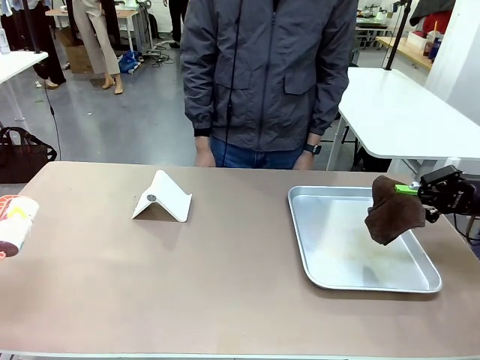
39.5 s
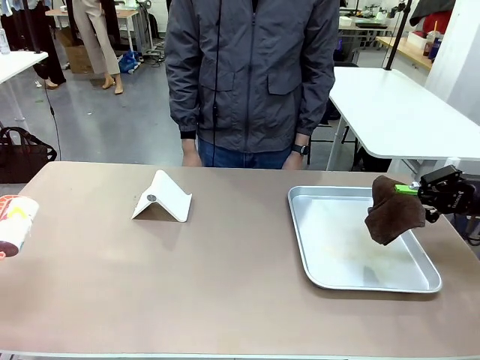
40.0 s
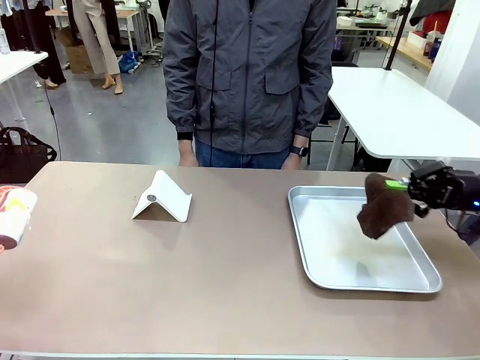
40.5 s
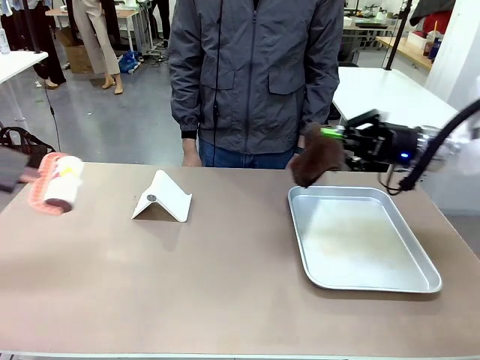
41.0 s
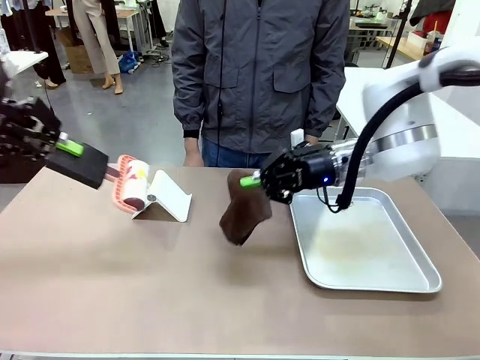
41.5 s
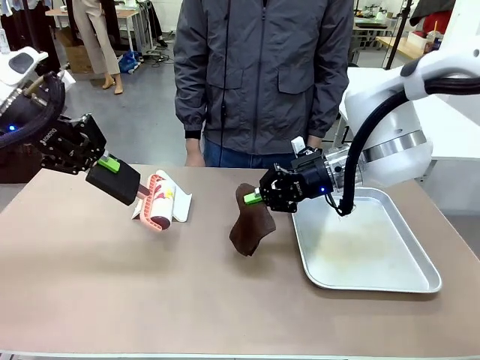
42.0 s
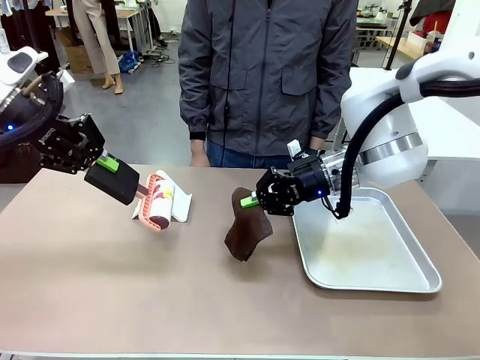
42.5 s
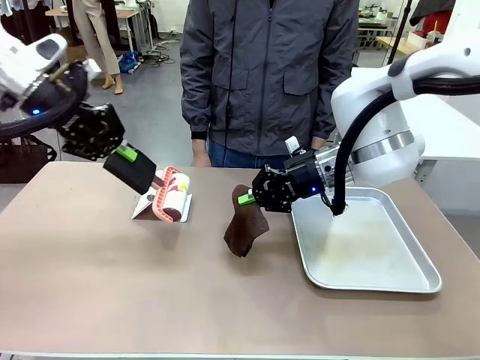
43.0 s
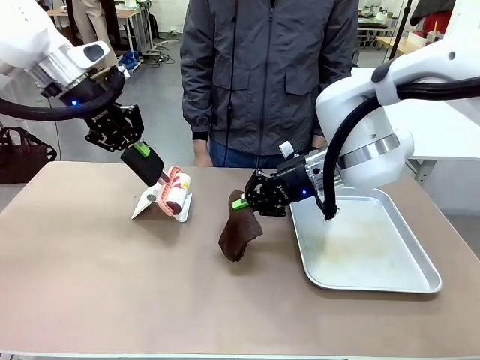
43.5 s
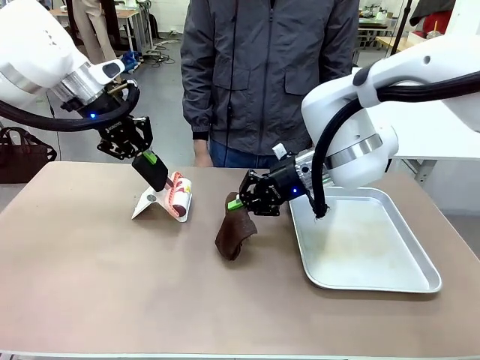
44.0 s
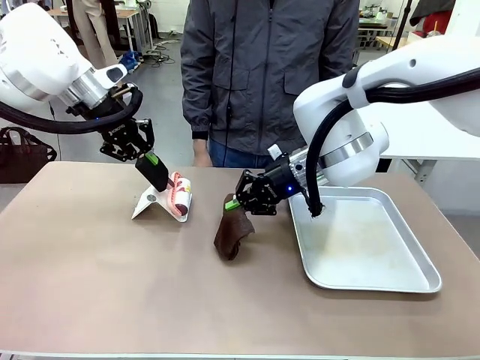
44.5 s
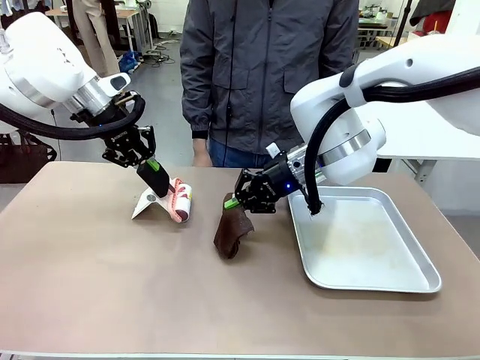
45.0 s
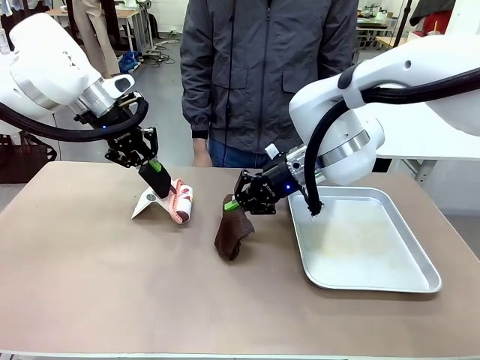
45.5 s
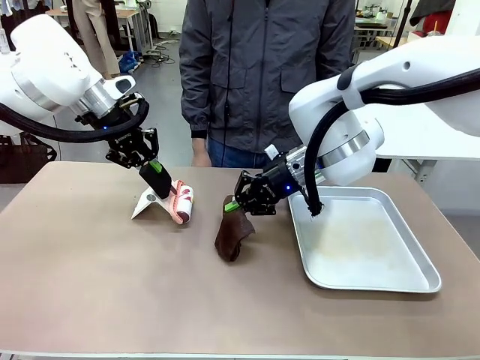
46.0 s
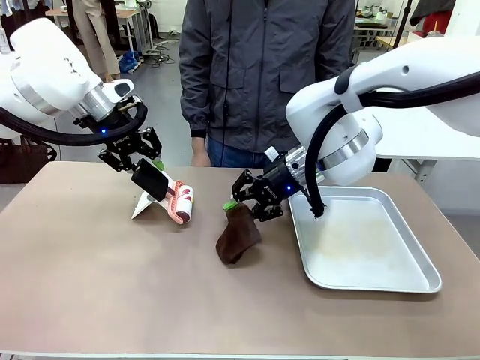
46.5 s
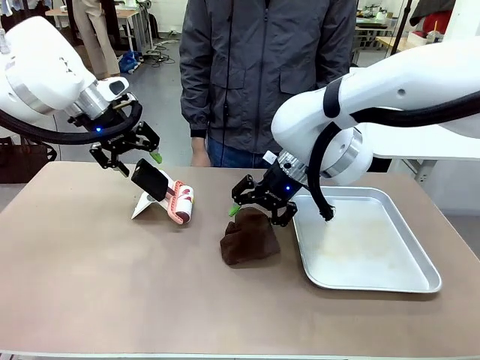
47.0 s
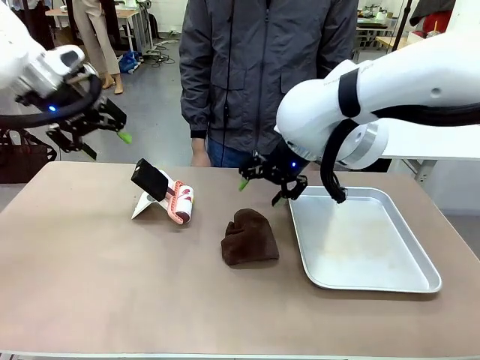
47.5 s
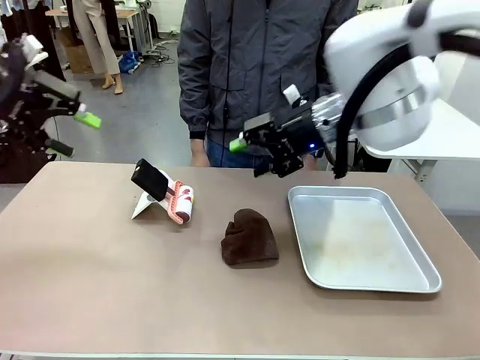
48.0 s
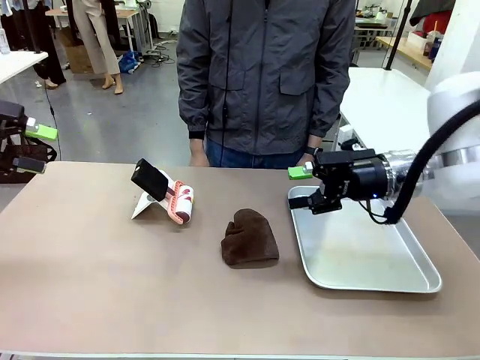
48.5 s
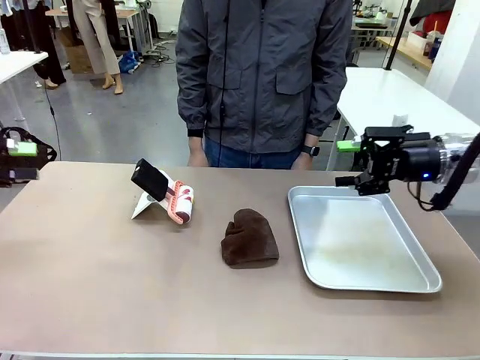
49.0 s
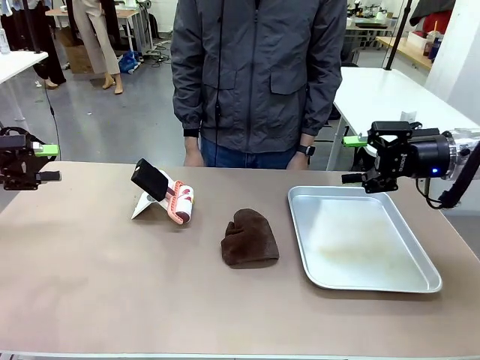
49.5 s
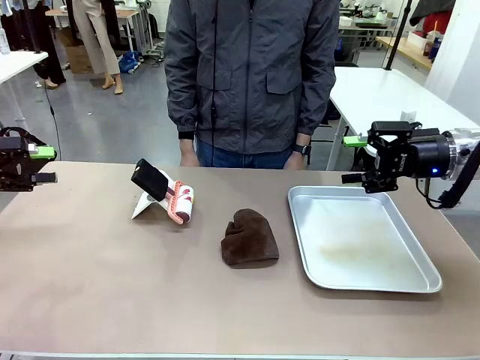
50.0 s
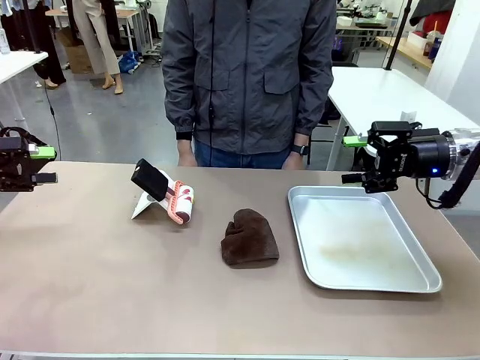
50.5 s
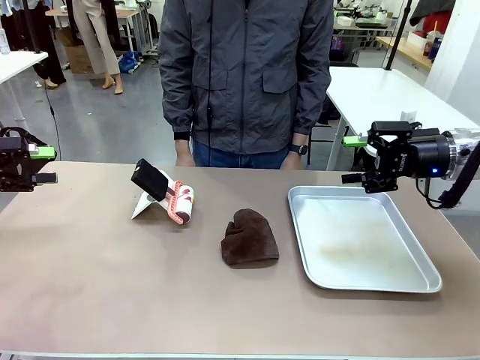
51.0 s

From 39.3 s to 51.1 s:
Task: Clean the surface of the table.
Robot: Return the Lint Roller and towel to their original positions.

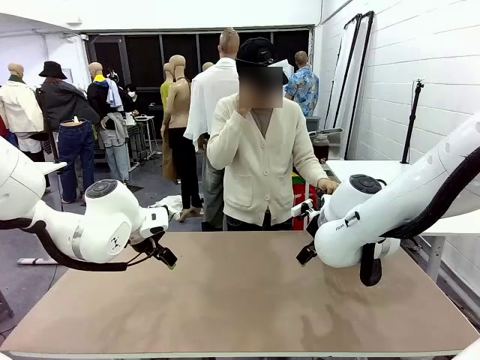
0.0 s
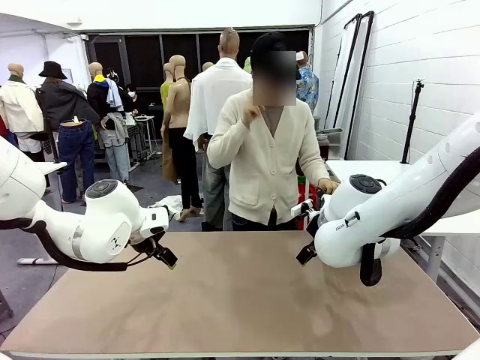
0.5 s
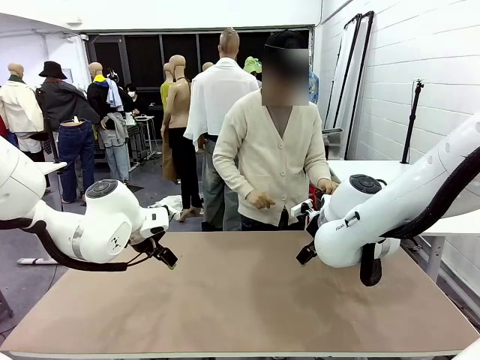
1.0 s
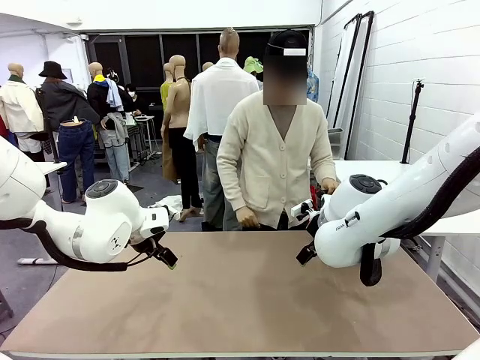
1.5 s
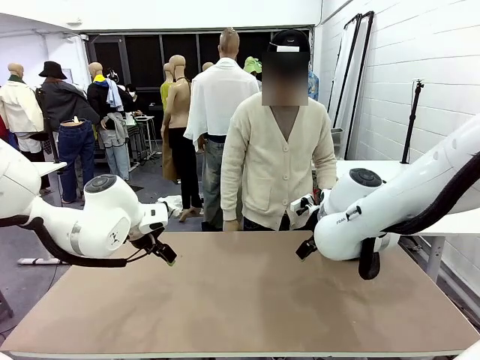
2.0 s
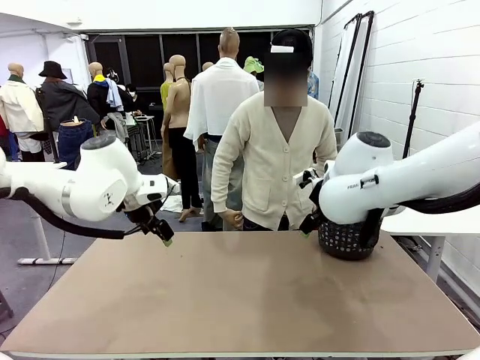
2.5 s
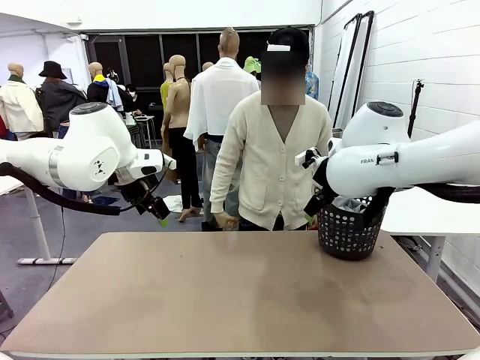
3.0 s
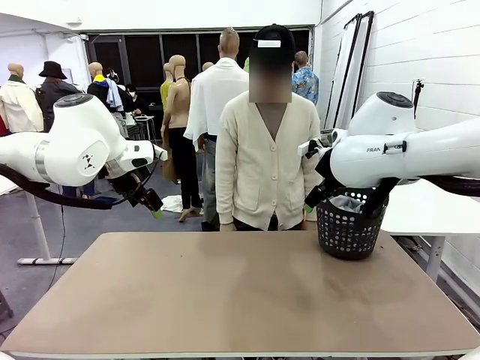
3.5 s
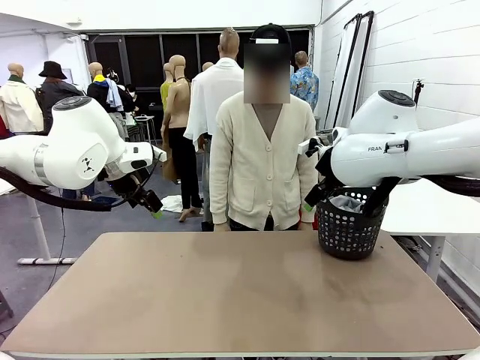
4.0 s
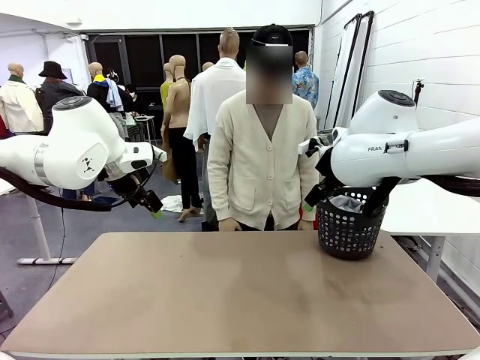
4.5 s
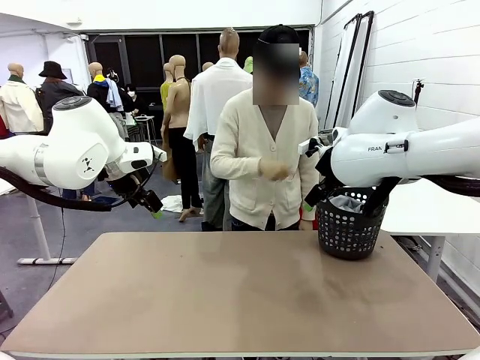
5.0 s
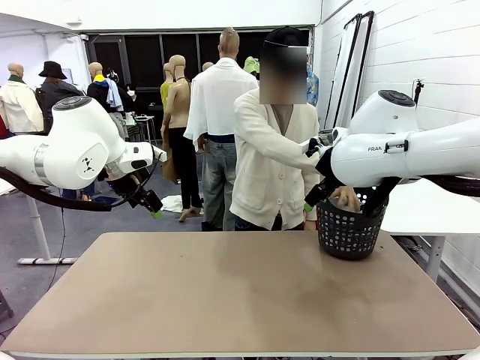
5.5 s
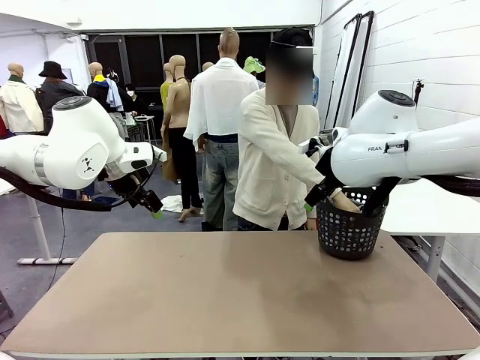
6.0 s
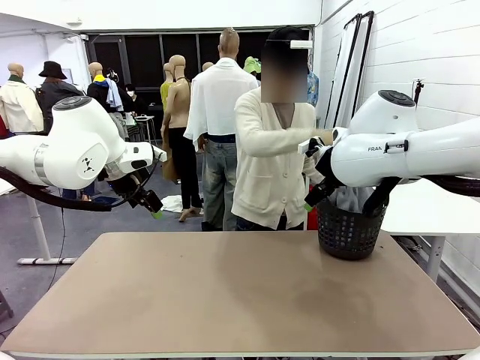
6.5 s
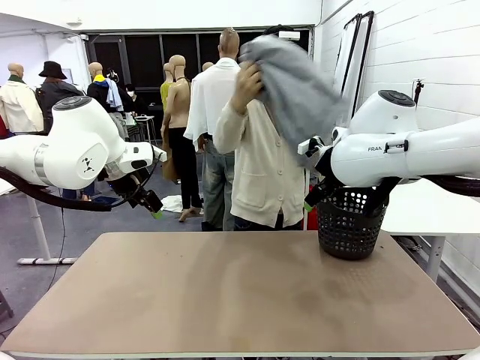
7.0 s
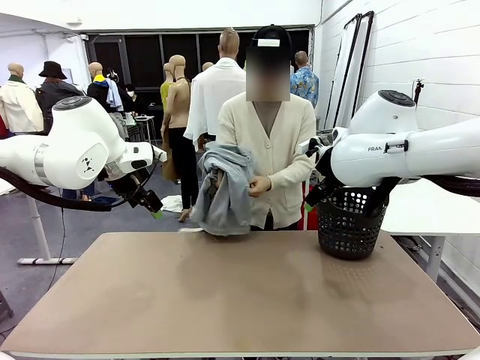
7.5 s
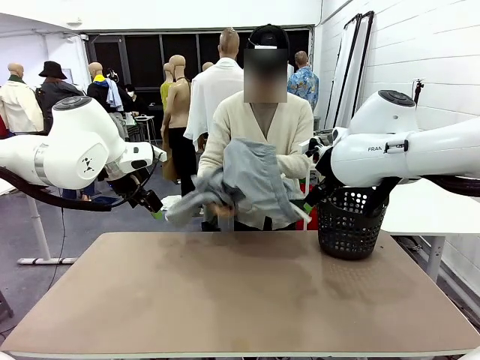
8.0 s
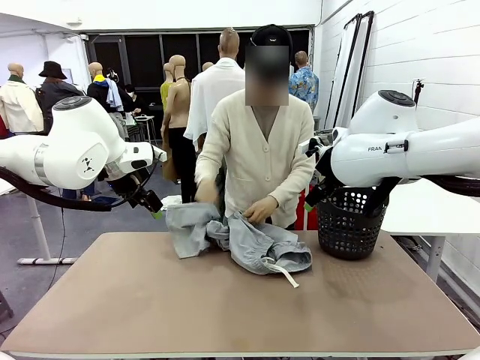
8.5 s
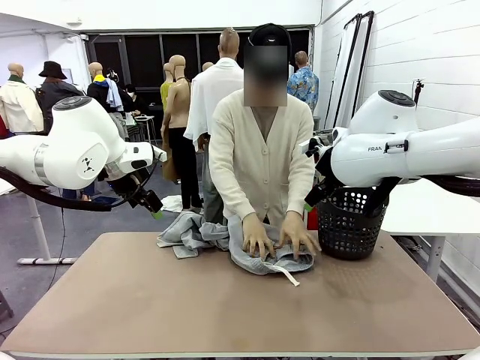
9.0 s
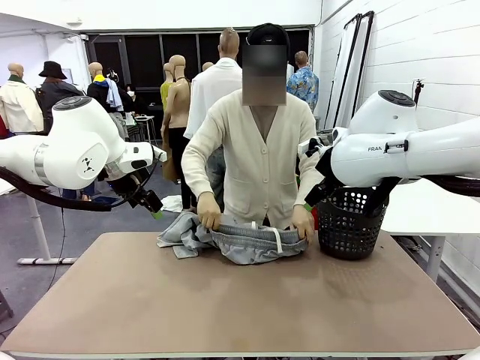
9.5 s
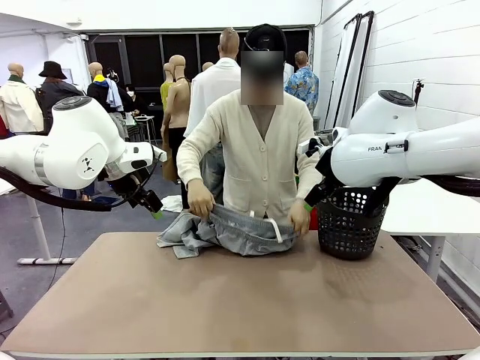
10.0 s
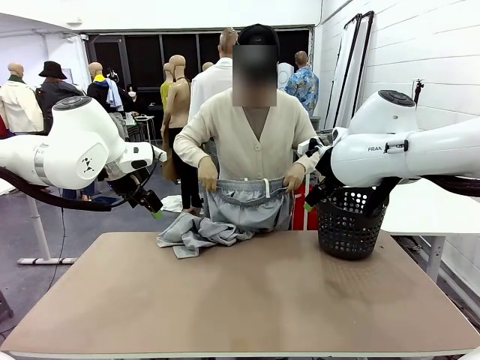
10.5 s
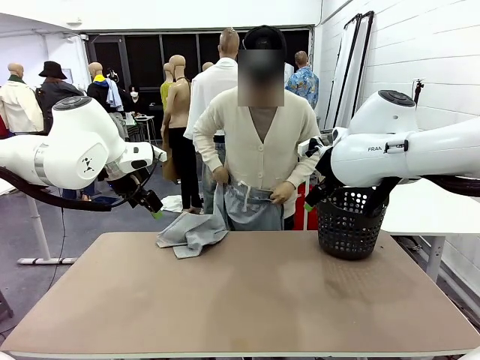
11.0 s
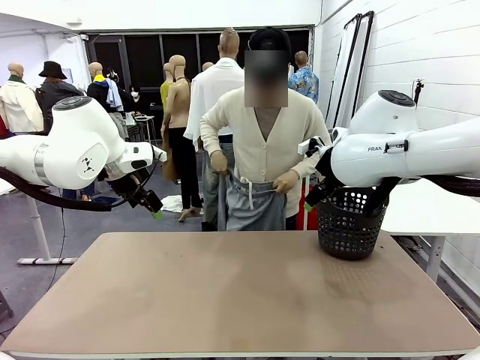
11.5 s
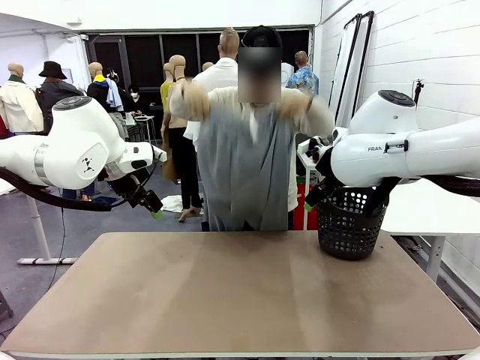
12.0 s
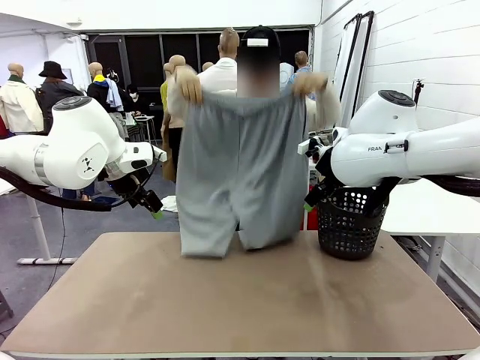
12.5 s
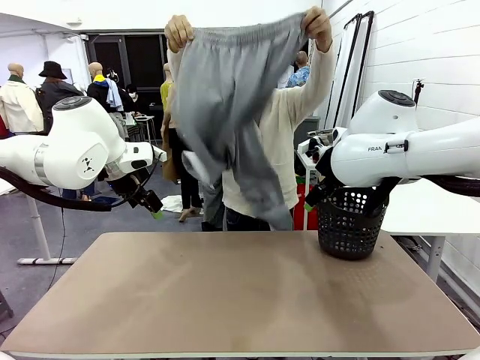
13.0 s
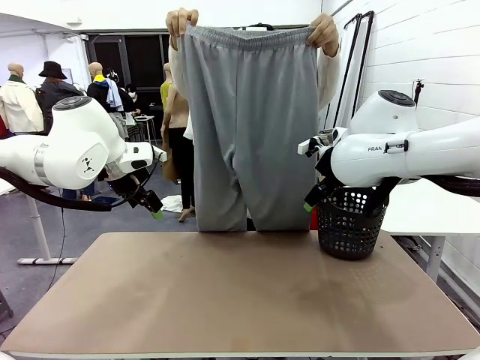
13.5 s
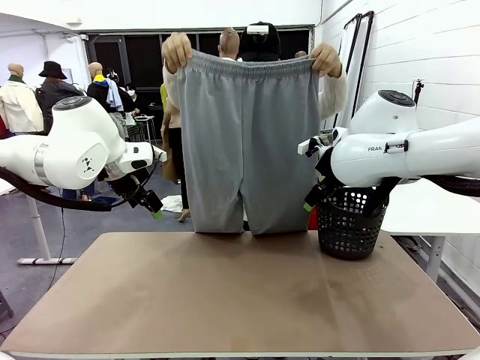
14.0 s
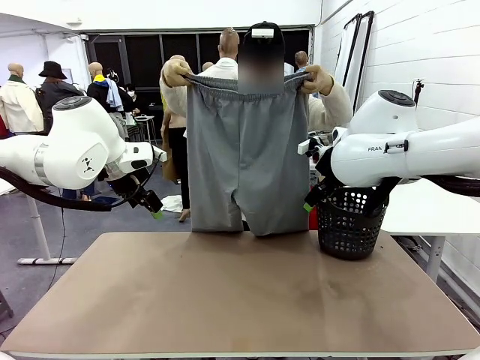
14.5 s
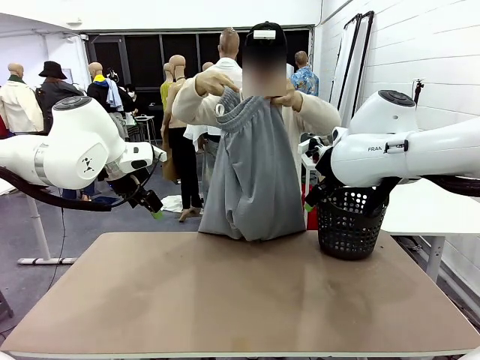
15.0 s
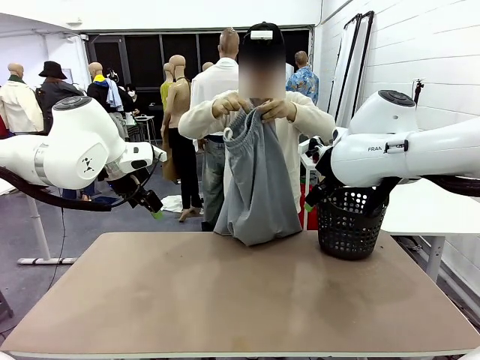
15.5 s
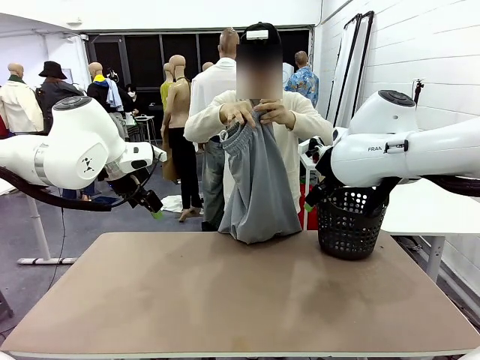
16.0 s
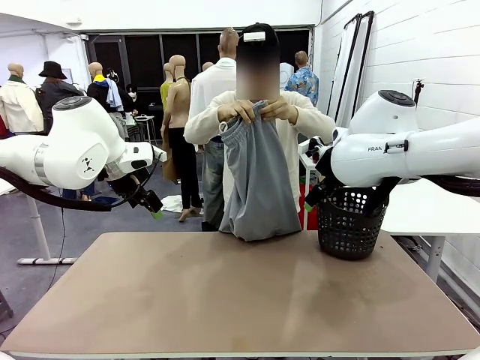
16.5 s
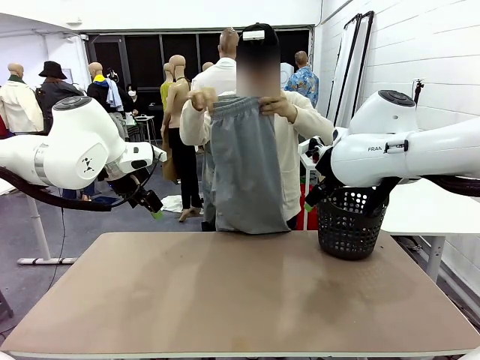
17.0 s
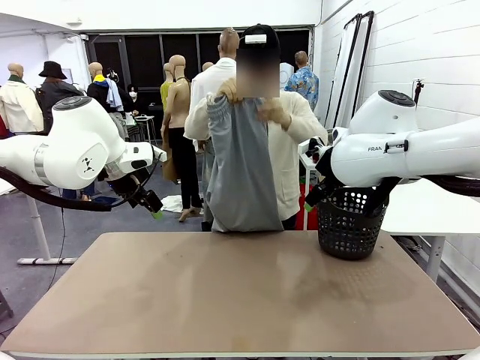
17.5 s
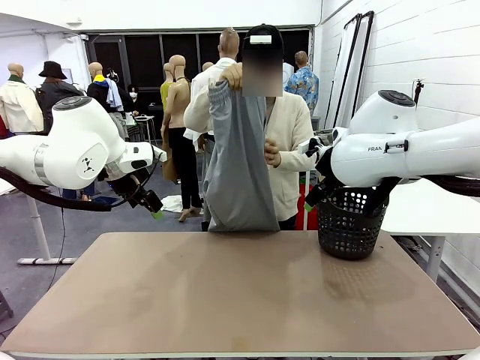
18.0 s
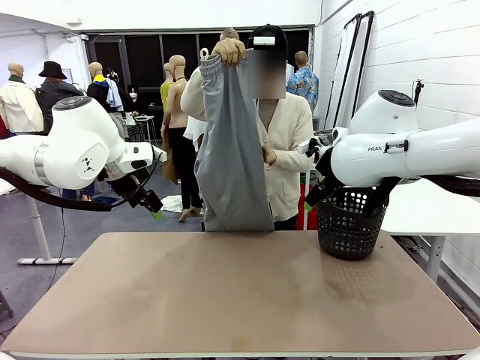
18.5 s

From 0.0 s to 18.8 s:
Task: Fold the training pants.
Robot: Grab both ends of the Training pants handed by a person.
Person: Take the long pants out of the laundry basket, unfold them, fold the waist in half, and extend them so the robot can pick up both corners.
